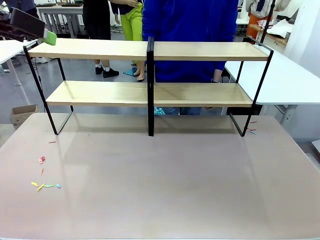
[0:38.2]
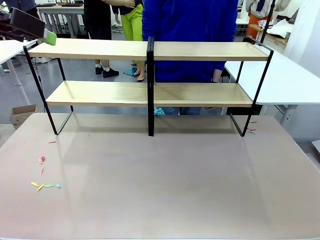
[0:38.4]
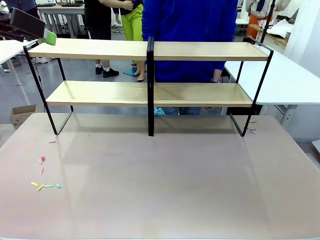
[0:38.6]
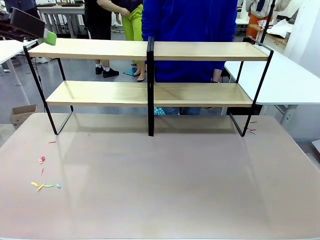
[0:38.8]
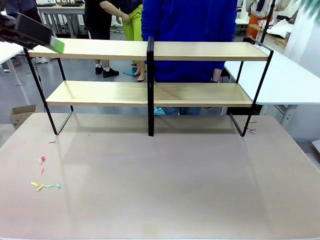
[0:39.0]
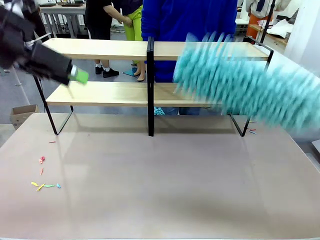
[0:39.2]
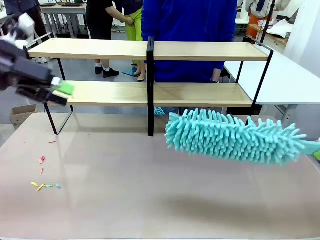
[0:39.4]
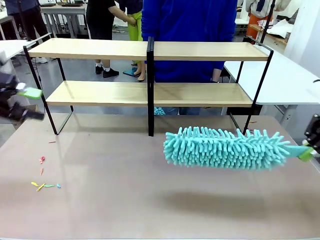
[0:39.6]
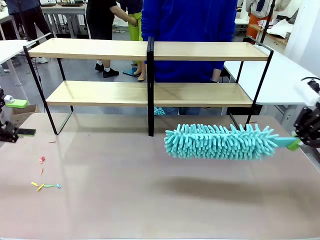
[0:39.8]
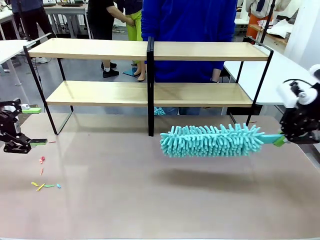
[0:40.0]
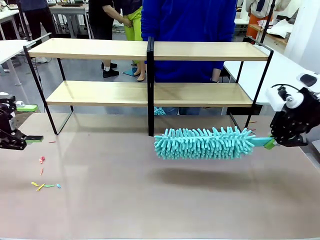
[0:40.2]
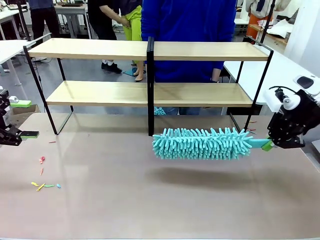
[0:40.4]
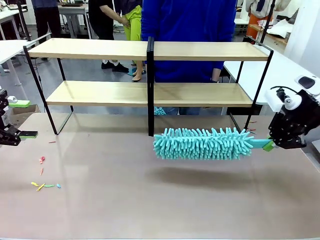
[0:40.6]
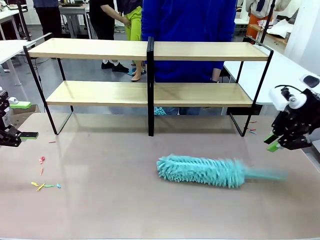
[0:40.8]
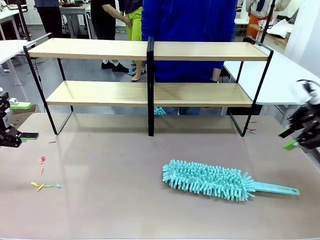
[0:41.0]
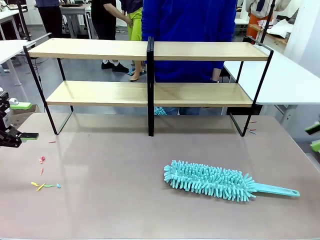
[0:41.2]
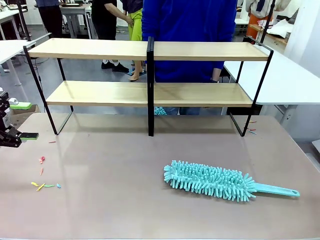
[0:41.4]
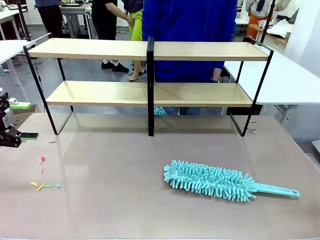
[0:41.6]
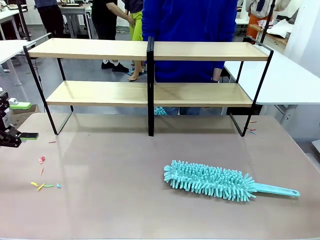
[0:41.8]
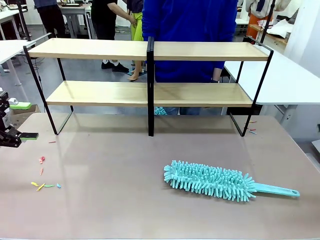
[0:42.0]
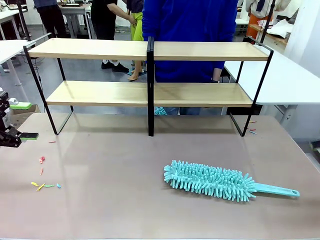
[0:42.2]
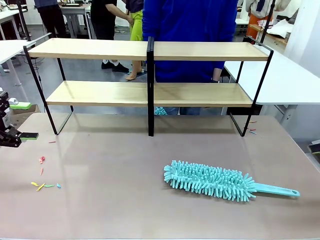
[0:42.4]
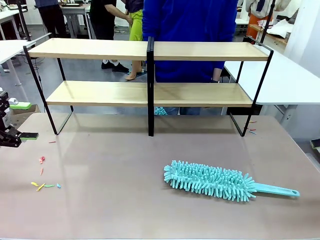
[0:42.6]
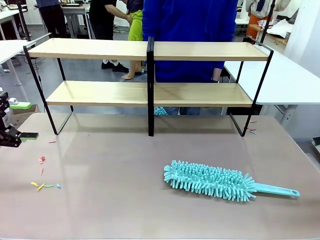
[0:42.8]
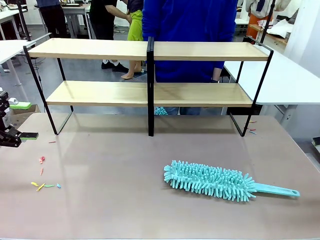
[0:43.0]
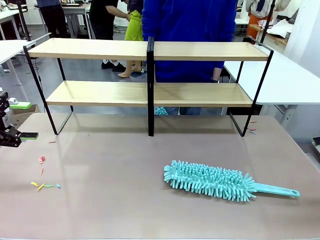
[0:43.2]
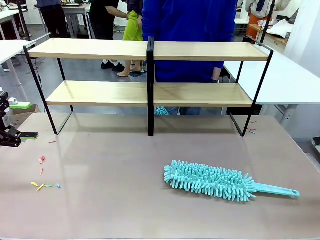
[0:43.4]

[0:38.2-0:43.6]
Task: Clean the shelves.
Robot: Place the Duster on the table.

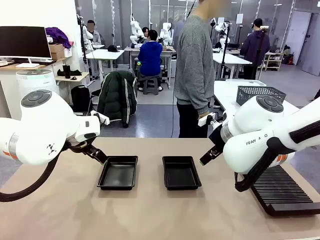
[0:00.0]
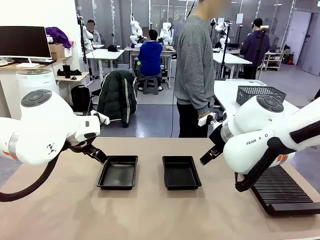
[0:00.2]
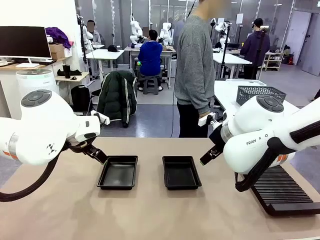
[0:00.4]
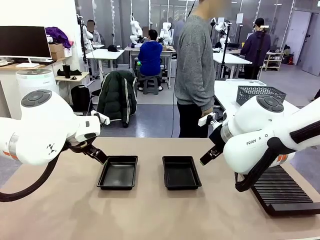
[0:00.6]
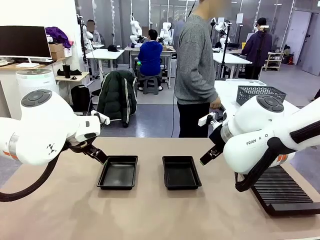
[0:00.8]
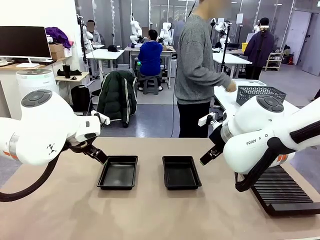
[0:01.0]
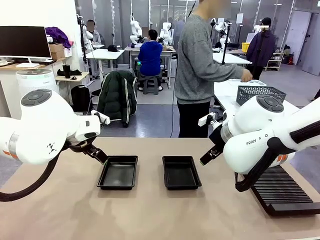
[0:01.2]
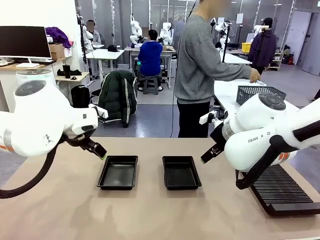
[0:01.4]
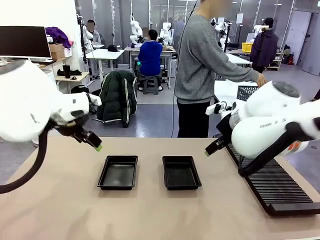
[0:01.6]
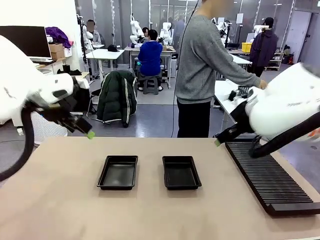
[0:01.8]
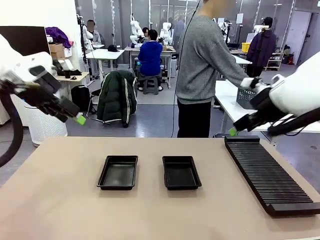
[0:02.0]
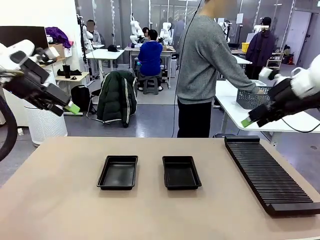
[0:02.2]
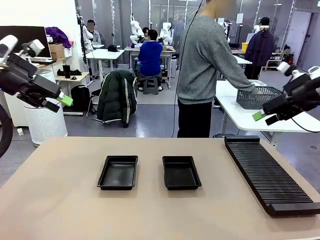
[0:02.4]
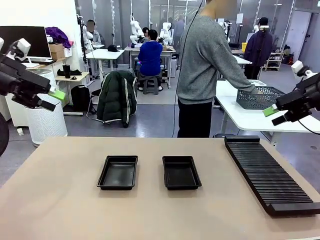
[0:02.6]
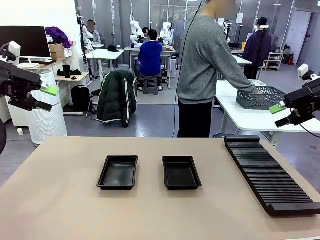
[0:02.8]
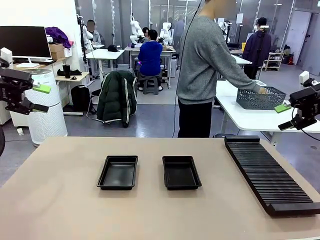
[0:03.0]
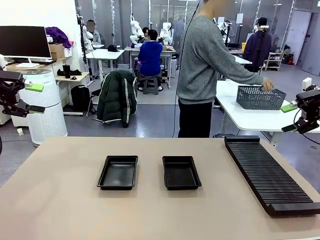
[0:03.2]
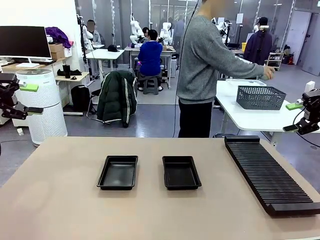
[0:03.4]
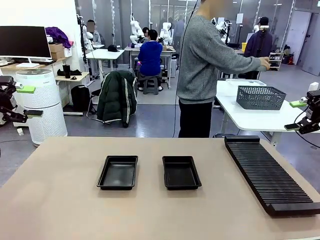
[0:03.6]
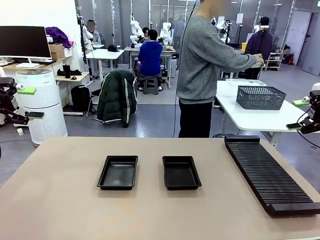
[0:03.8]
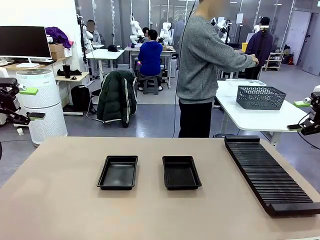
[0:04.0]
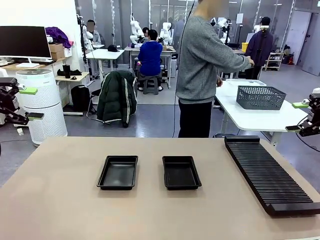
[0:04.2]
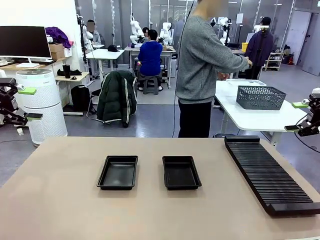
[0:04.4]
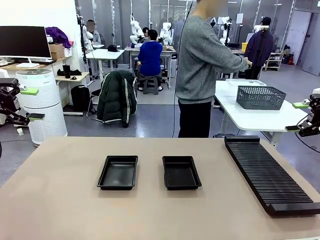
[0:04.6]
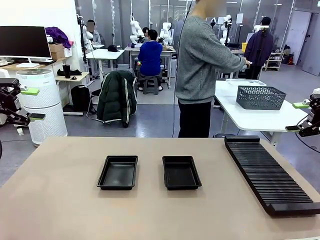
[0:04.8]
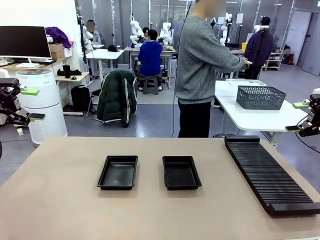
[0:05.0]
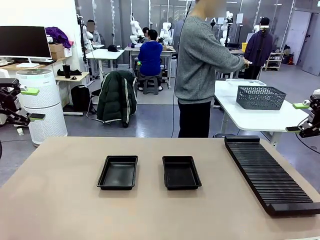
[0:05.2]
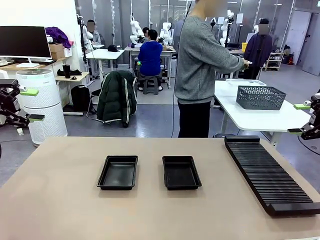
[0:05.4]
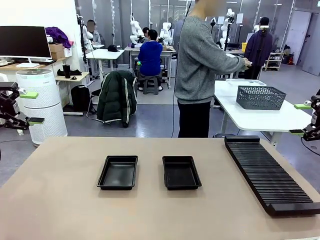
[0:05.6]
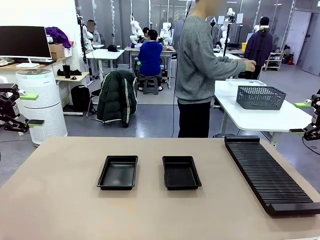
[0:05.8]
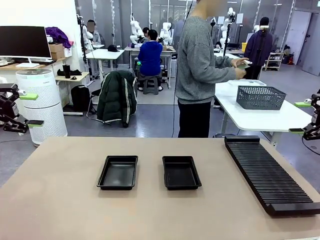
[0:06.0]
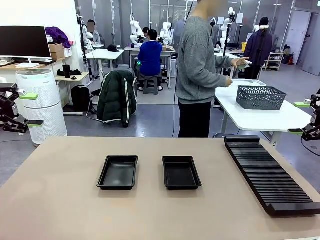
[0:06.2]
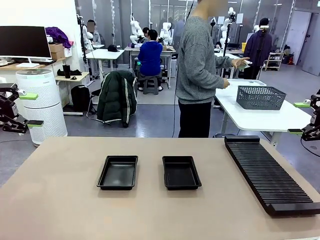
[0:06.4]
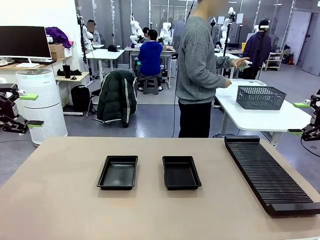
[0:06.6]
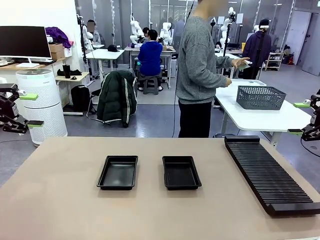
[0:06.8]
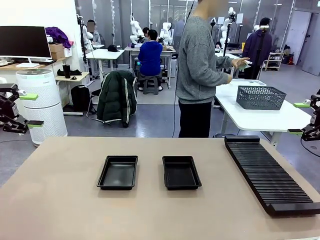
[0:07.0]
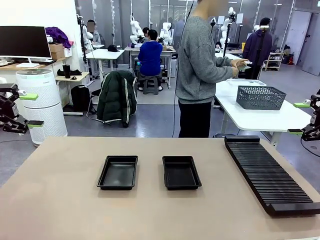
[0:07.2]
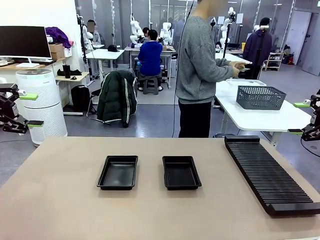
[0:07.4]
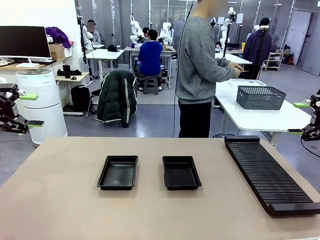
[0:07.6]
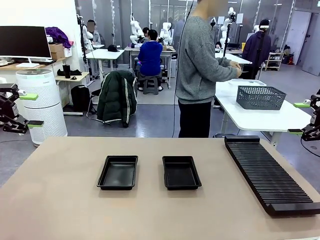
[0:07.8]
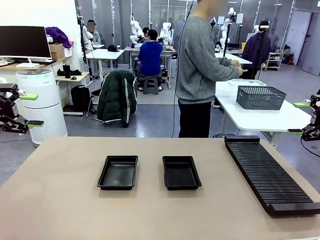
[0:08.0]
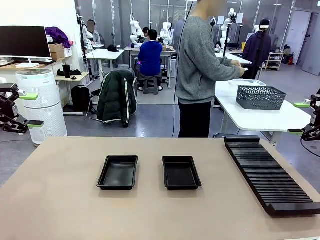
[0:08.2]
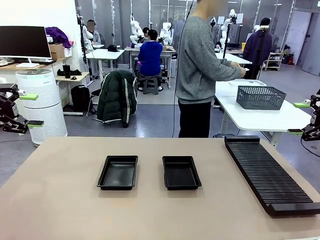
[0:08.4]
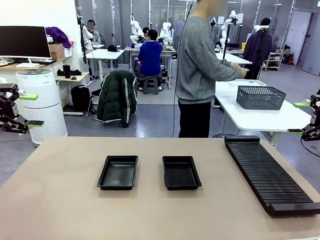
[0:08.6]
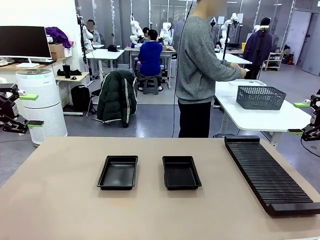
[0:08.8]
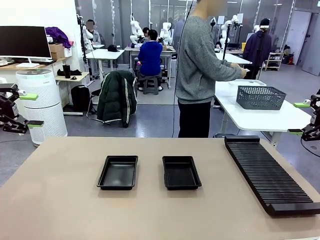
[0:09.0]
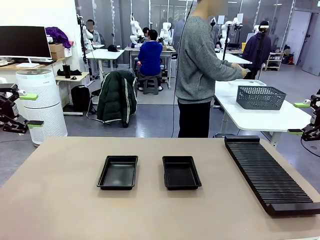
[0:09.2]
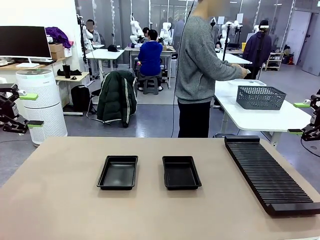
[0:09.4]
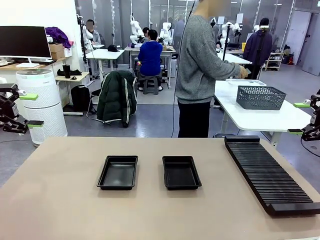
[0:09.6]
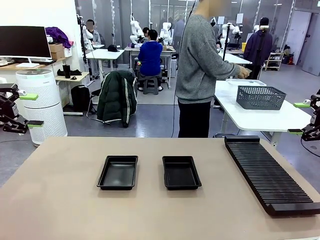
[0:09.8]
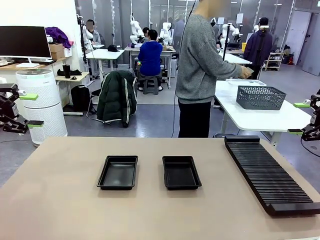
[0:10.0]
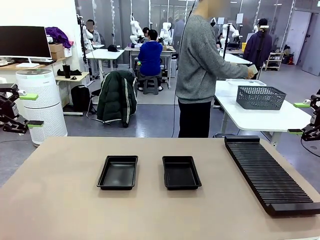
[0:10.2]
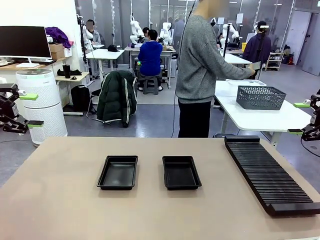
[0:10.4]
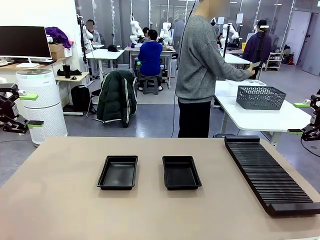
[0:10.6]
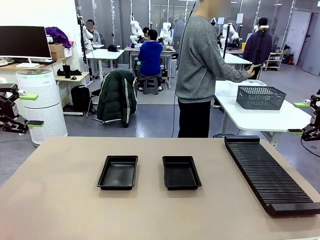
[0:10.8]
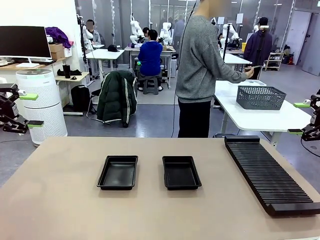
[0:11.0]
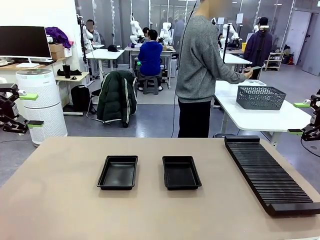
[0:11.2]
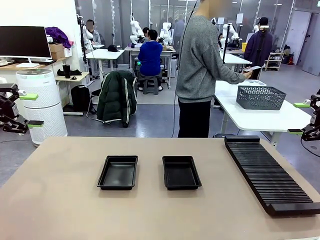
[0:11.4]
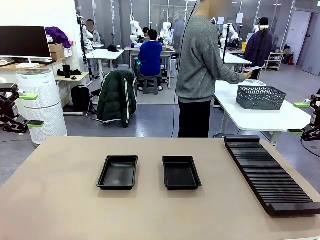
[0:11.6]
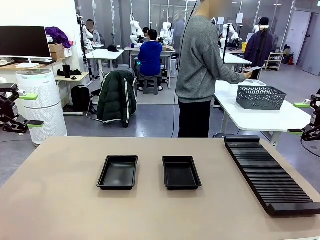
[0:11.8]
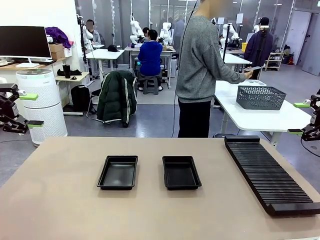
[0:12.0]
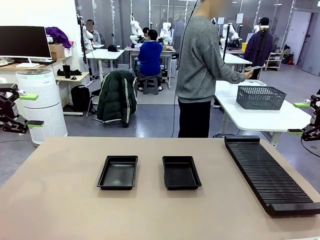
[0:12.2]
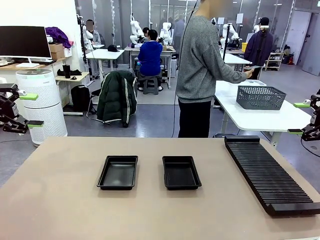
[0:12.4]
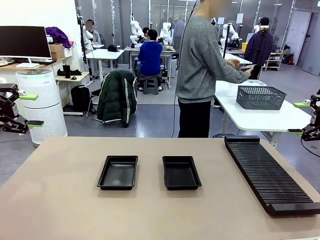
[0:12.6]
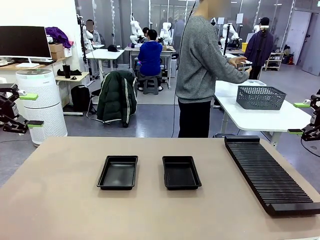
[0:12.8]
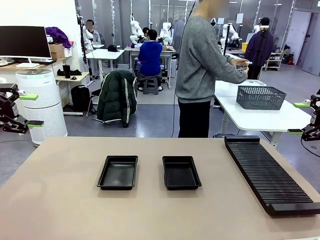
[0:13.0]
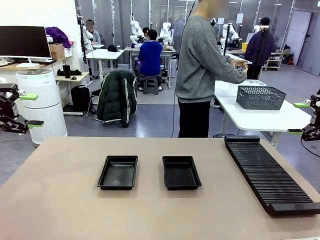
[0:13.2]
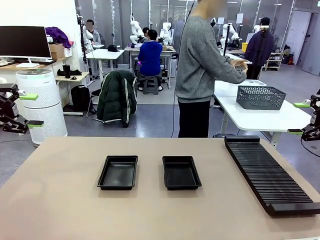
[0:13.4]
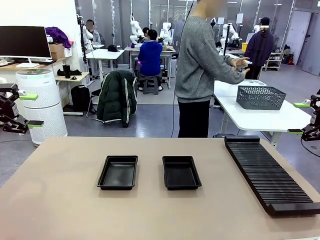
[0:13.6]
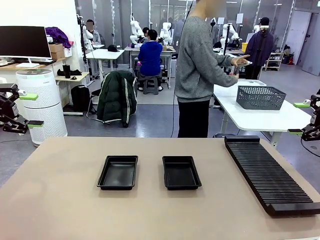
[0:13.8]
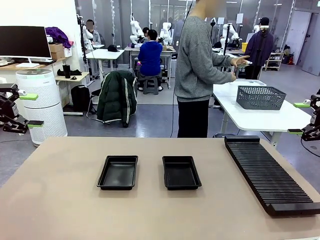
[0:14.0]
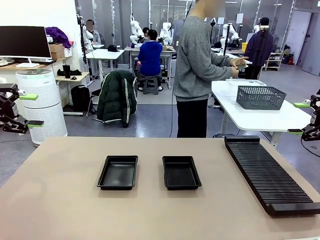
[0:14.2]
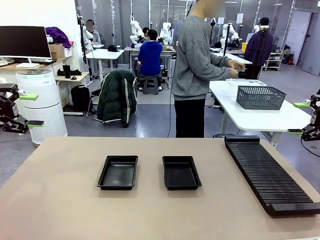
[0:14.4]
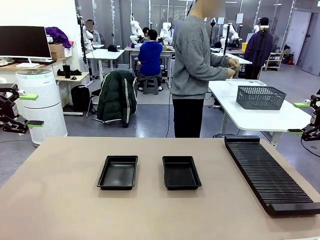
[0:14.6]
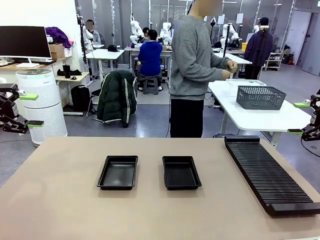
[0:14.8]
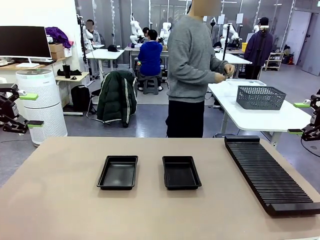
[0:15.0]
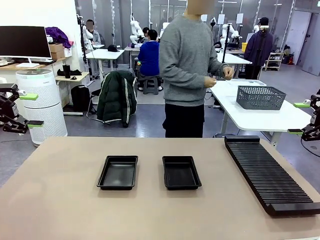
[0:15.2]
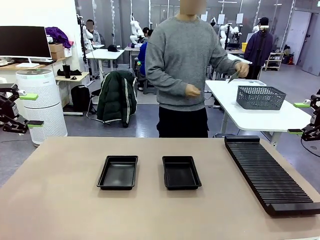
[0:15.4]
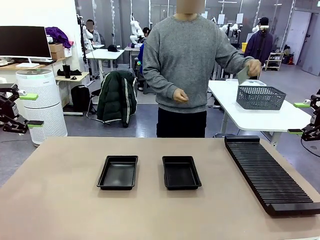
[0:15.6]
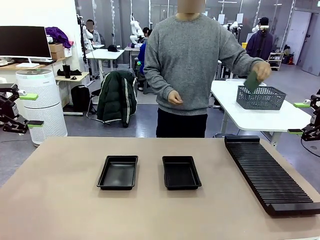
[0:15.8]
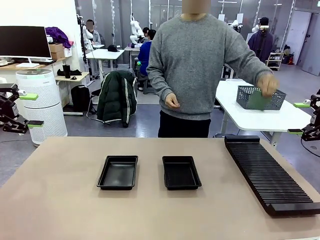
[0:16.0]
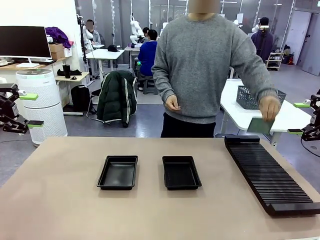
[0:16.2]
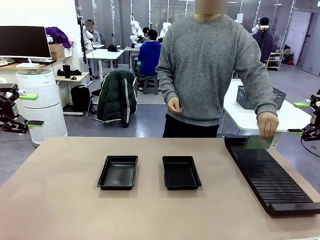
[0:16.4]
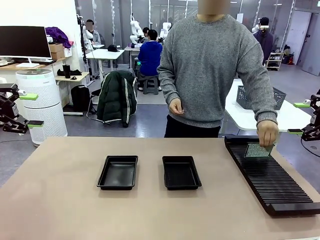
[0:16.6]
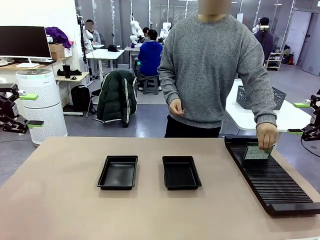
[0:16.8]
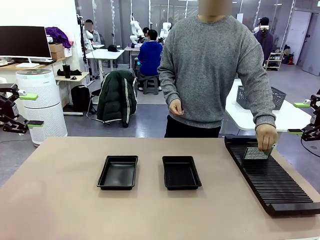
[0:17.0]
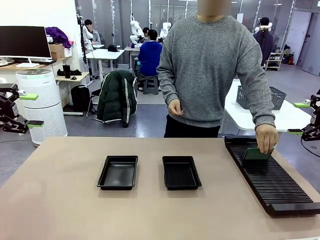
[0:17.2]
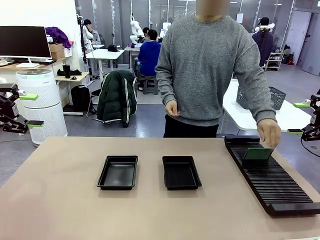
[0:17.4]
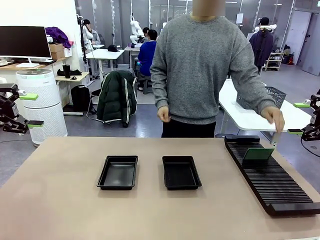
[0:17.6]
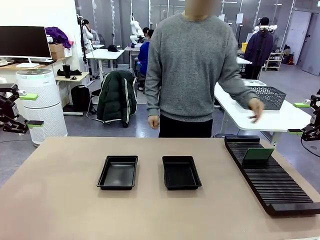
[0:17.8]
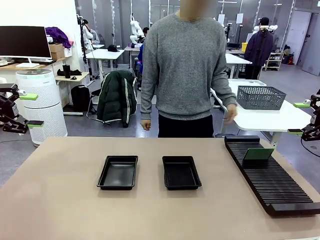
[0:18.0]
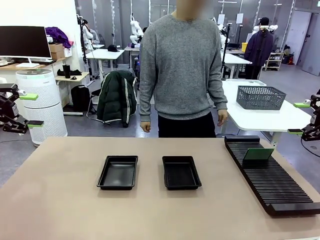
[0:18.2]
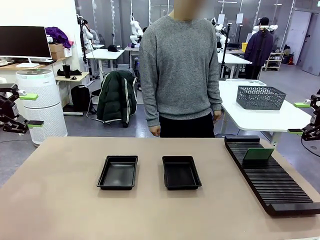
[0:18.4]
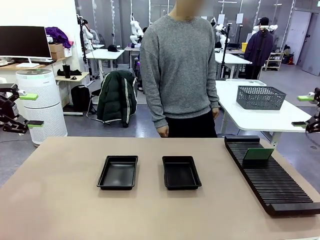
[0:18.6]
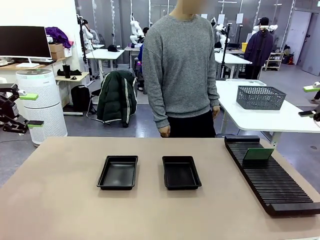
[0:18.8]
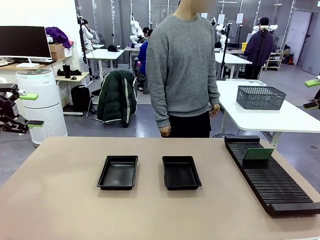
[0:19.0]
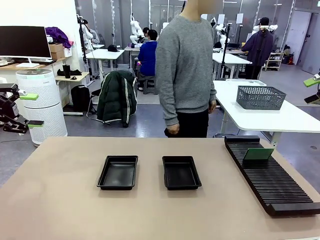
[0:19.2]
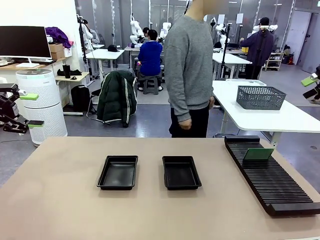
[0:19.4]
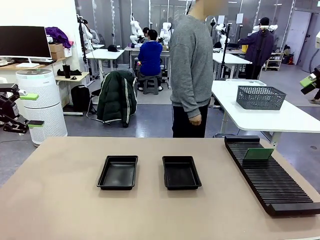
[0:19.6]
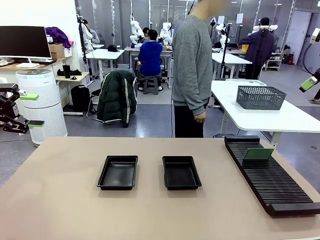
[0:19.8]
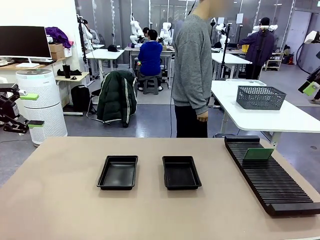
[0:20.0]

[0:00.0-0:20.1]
Task: Inspect and transfer BCBs to ESD trays.
Robot: Pick up the Blank PCB from the PCB Rack and place it in the left ESD tray.
